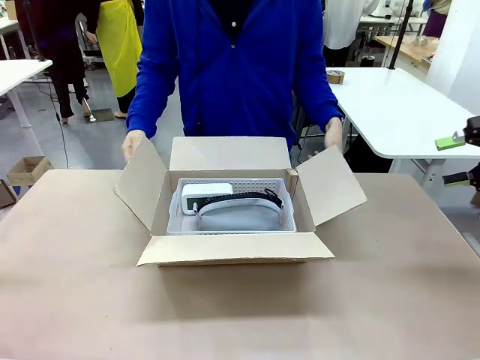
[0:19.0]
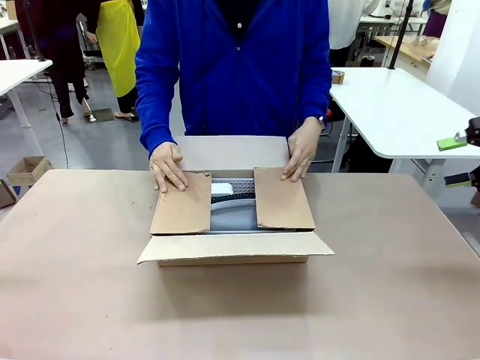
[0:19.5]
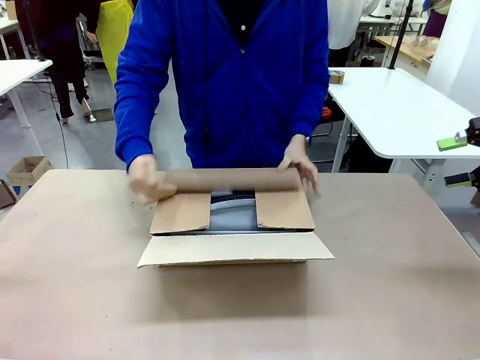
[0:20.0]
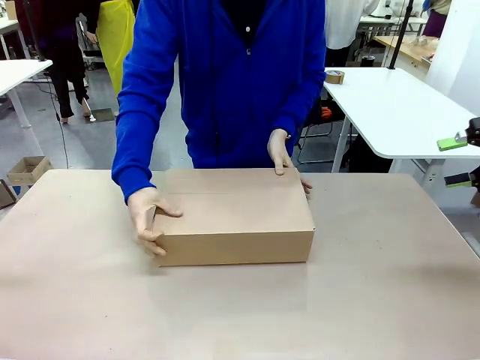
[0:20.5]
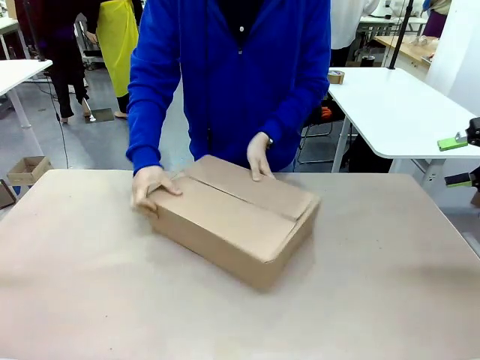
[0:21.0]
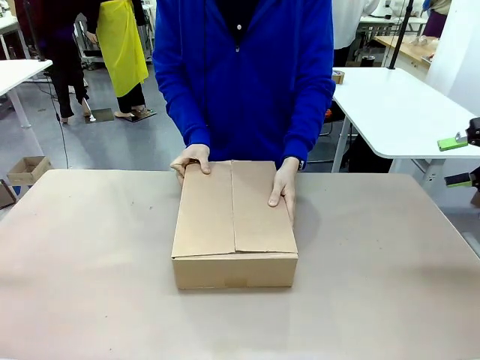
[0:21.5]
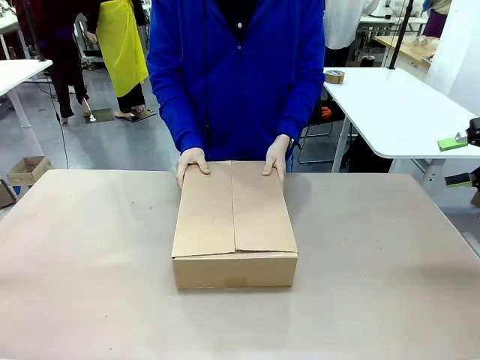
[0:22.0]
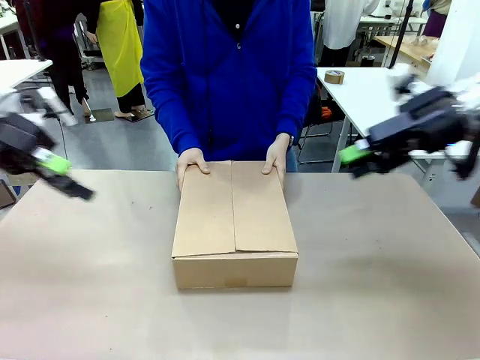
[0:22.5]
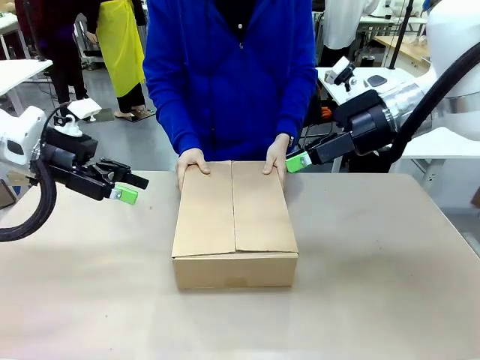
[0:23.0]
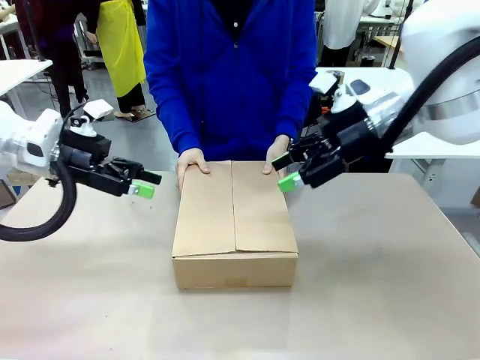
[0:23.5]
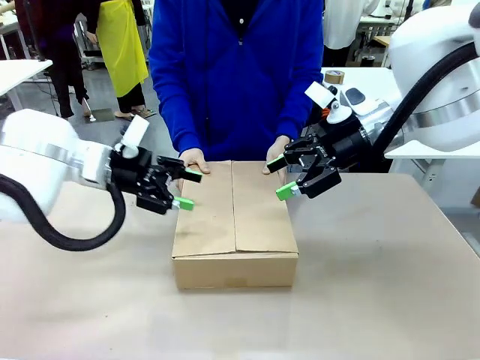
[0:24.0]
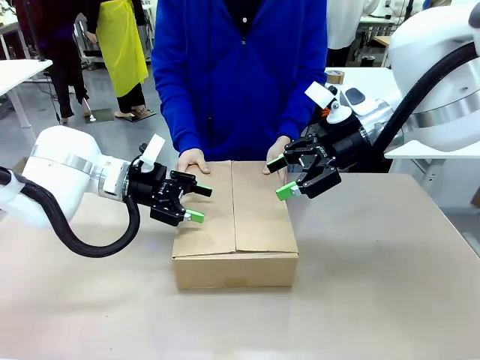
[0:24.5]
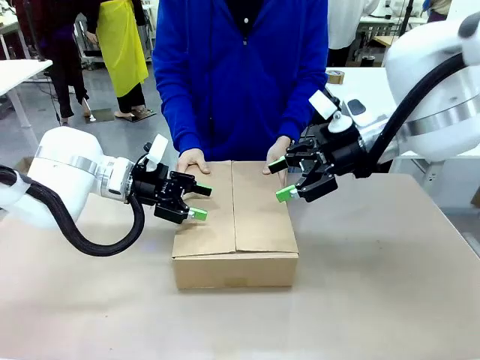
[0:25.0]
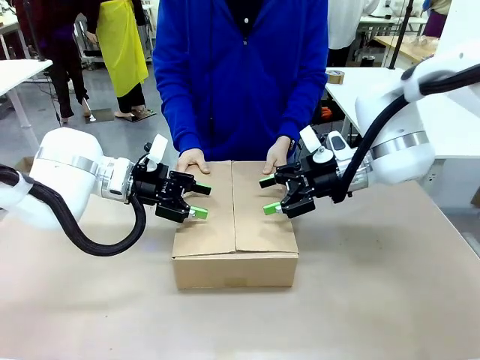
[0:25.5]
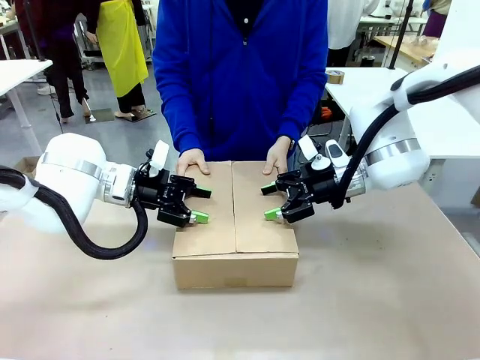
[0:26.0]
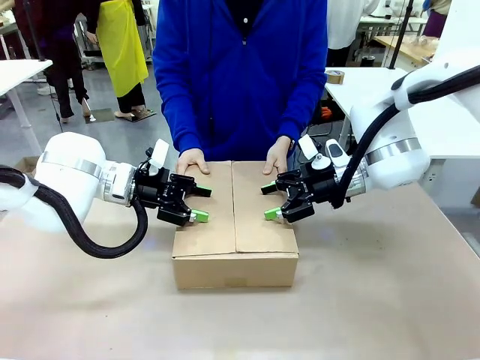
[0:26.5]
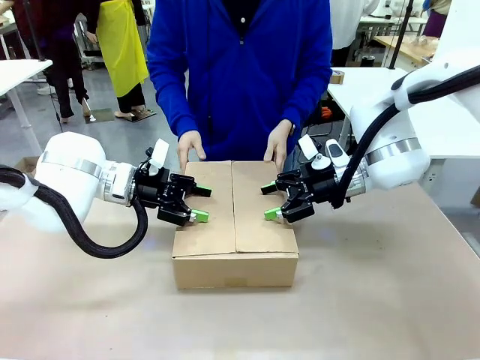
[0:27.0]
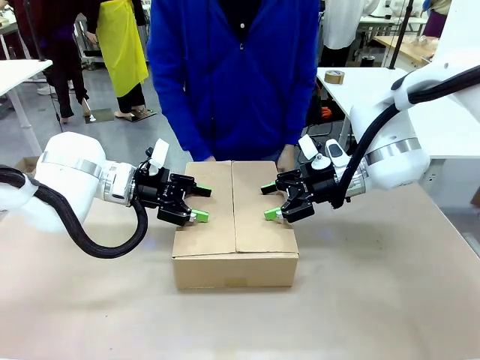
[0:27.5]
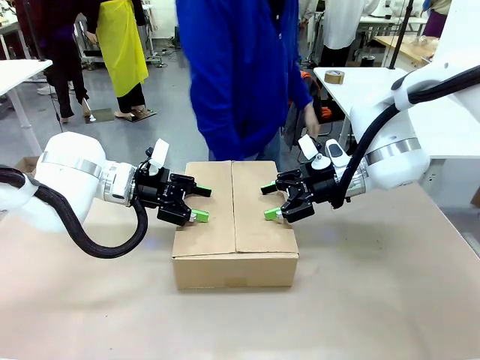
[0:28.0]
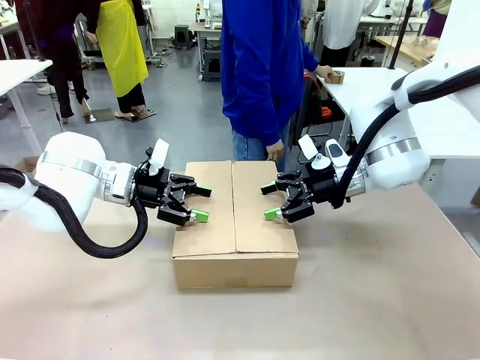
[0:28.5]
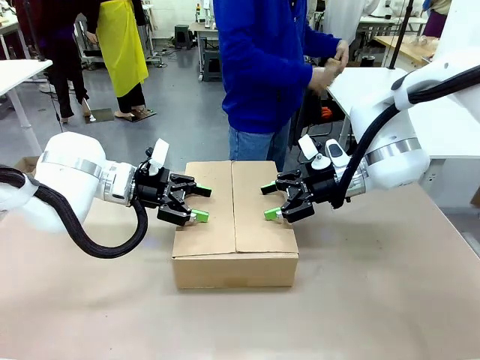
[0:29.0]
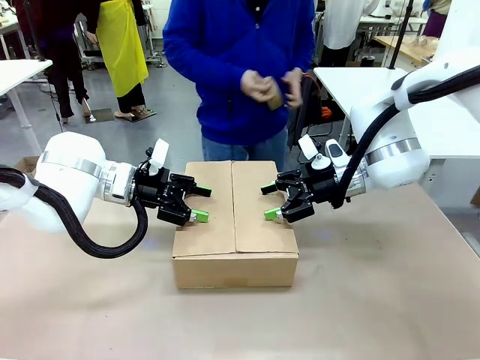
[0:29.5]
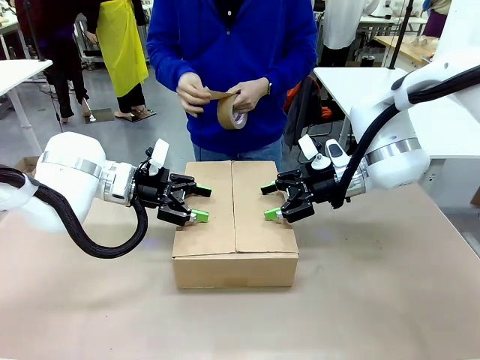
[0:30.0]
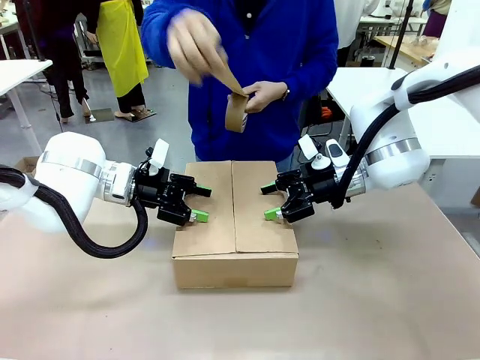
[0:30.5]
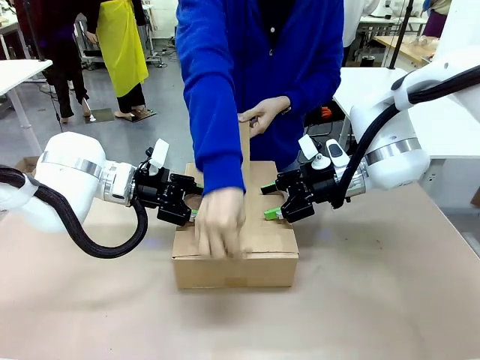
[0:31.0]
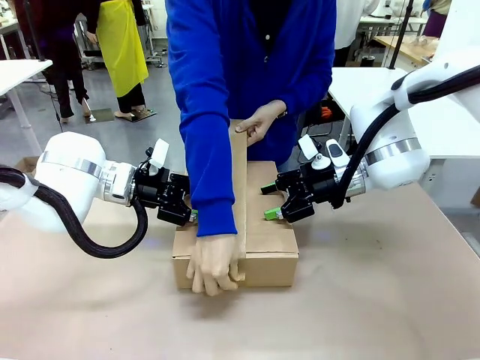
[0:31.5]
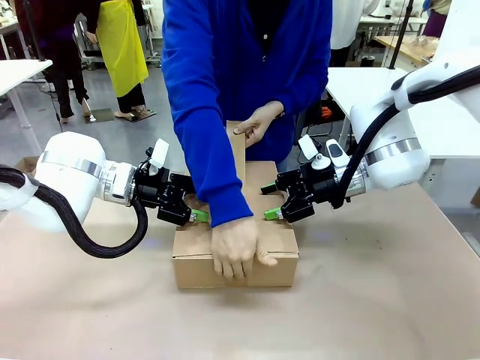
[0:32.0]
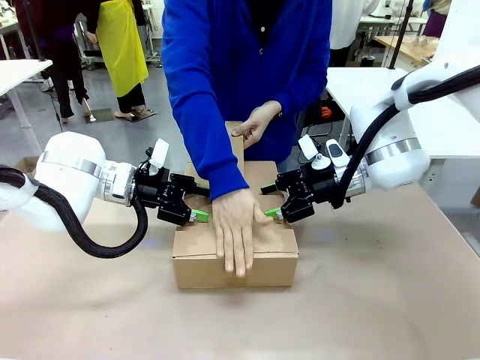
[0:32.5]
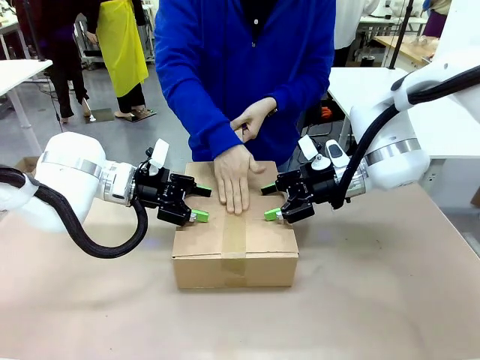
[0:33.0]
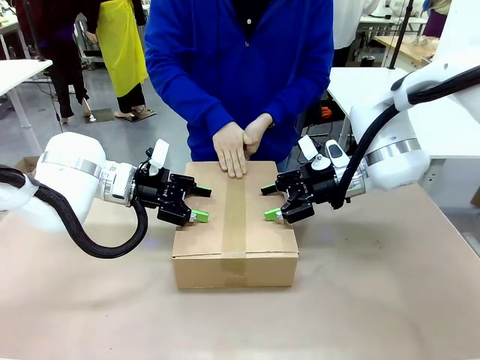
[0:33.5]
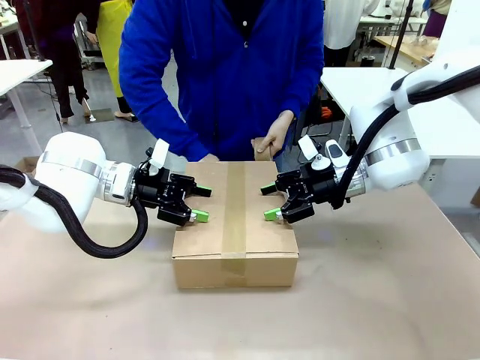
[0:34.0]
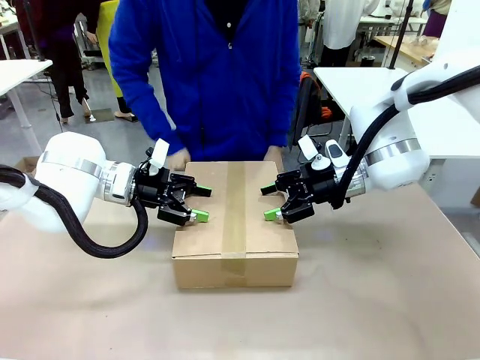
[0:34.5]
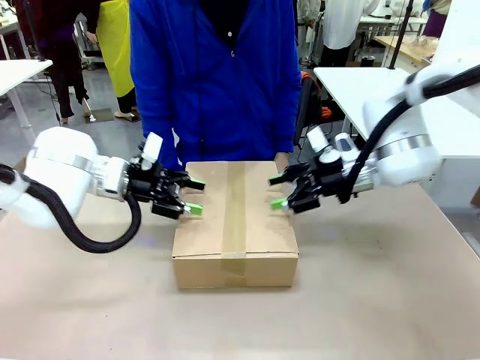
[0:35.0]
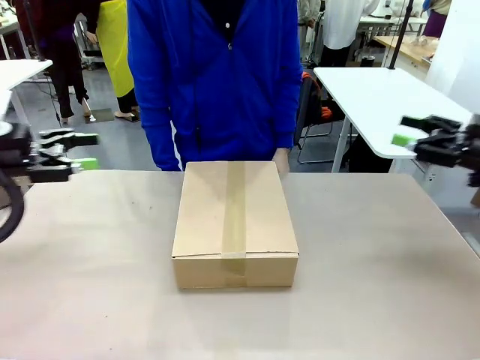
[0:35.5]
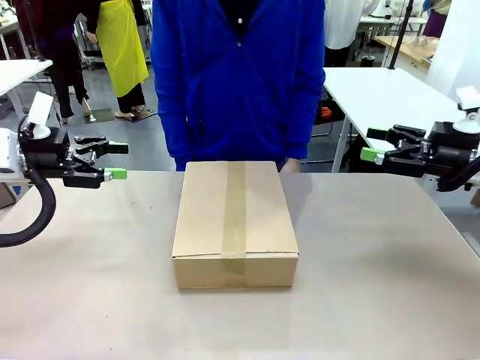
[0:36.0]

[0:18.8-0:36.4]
Task: Pack the gift set into the box.
Robot: Press and hold the closed box until the human finishes sealing it.
Person: The human closes the box and rotates the box by 90 degrees. The human picks up the paper tape from the human table and packs the box.
